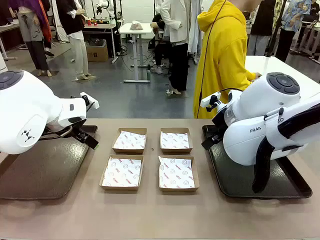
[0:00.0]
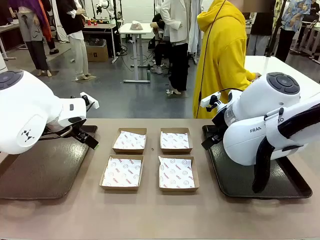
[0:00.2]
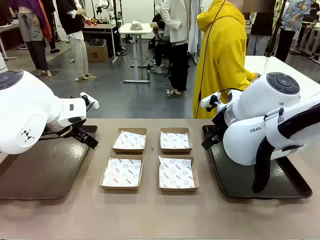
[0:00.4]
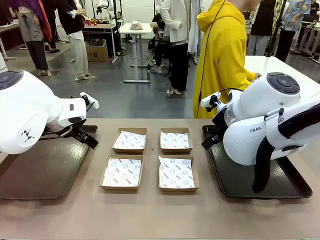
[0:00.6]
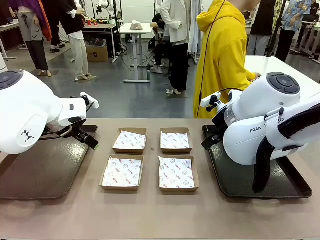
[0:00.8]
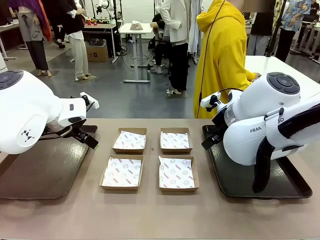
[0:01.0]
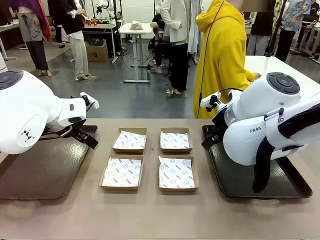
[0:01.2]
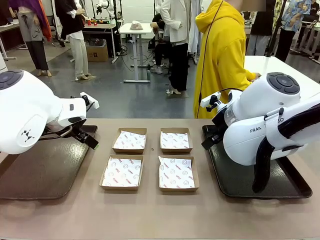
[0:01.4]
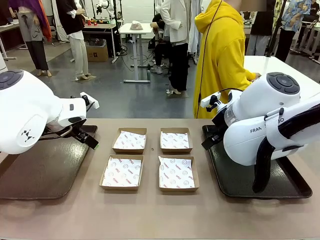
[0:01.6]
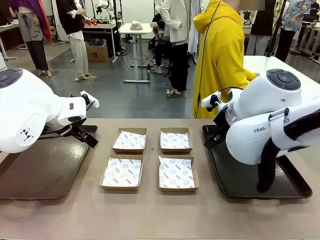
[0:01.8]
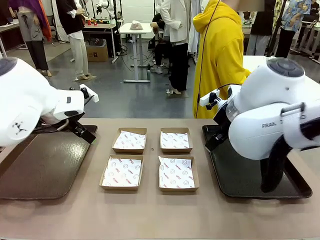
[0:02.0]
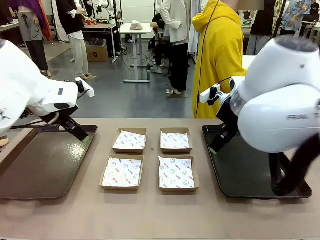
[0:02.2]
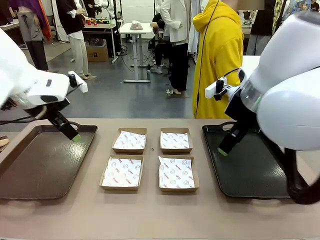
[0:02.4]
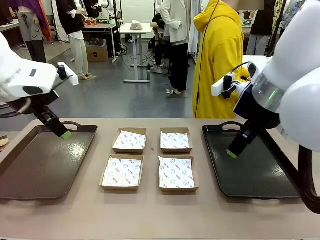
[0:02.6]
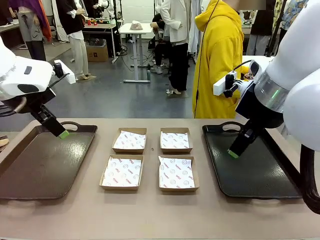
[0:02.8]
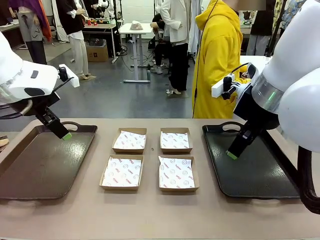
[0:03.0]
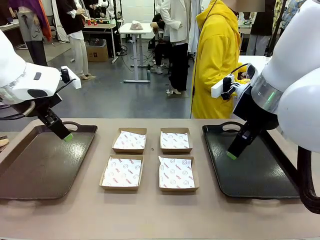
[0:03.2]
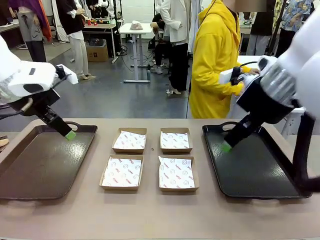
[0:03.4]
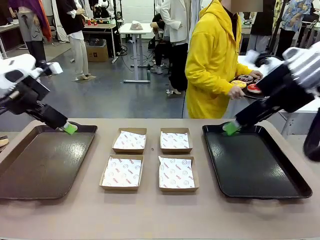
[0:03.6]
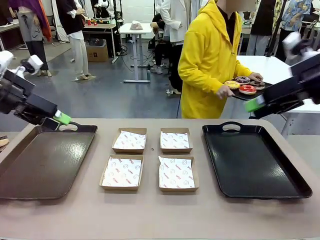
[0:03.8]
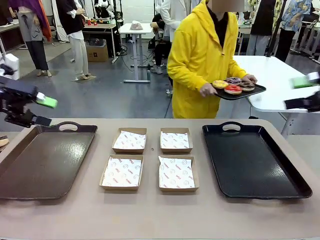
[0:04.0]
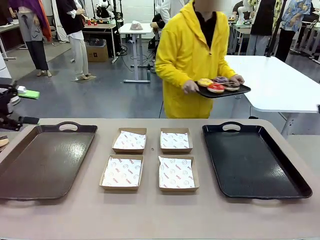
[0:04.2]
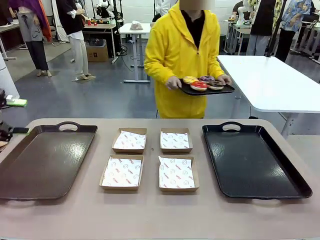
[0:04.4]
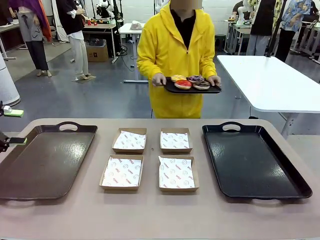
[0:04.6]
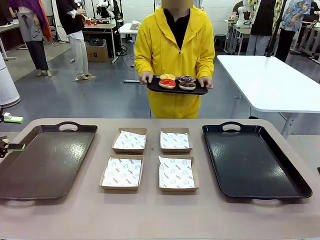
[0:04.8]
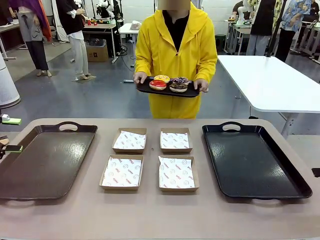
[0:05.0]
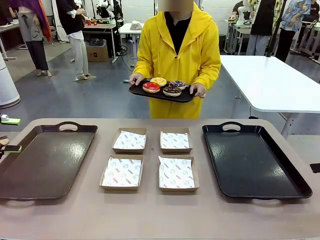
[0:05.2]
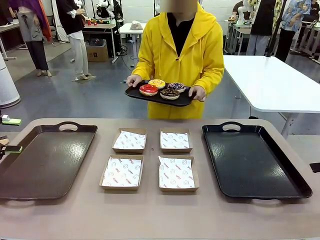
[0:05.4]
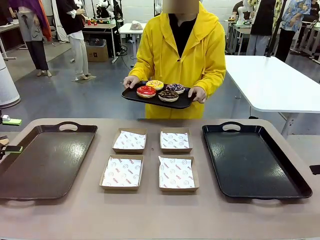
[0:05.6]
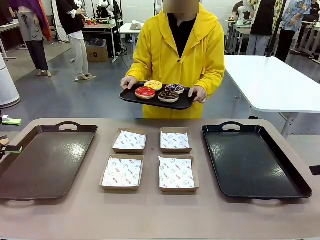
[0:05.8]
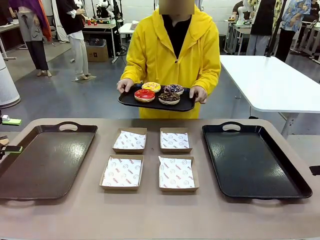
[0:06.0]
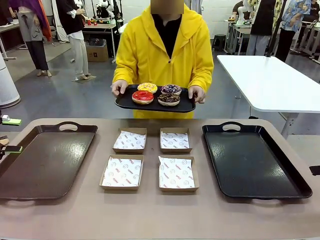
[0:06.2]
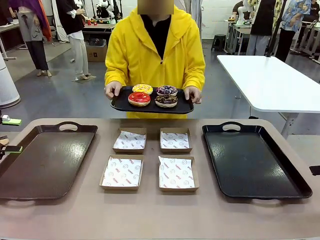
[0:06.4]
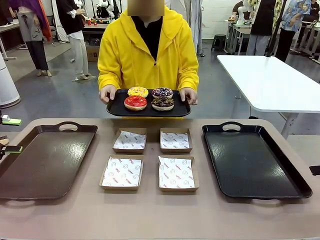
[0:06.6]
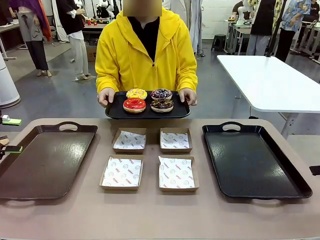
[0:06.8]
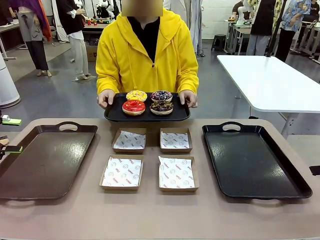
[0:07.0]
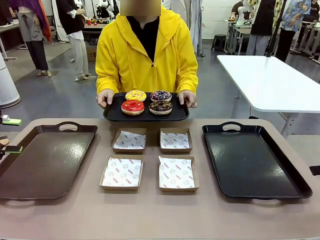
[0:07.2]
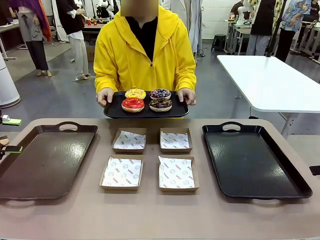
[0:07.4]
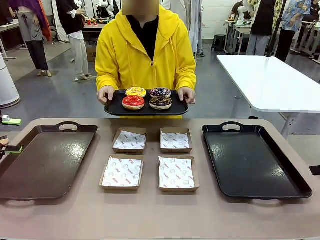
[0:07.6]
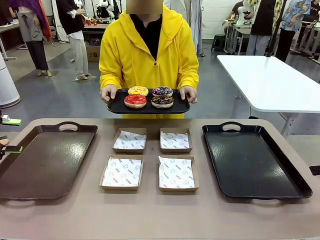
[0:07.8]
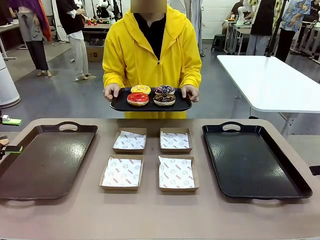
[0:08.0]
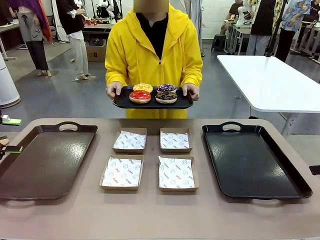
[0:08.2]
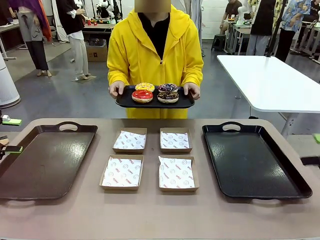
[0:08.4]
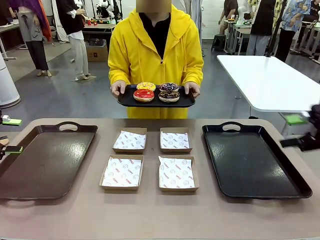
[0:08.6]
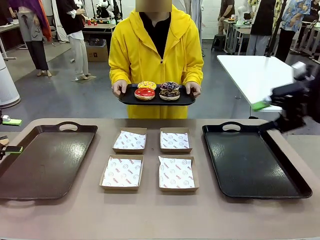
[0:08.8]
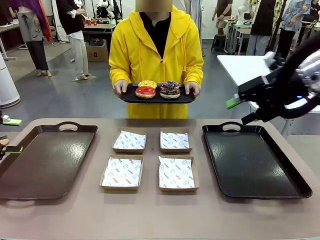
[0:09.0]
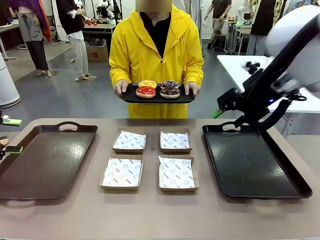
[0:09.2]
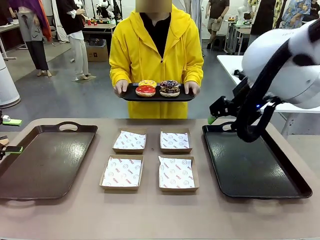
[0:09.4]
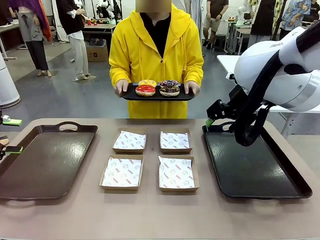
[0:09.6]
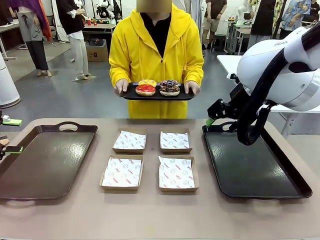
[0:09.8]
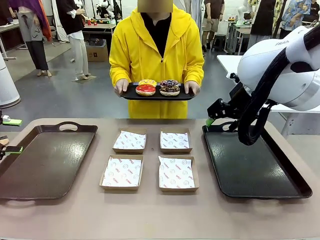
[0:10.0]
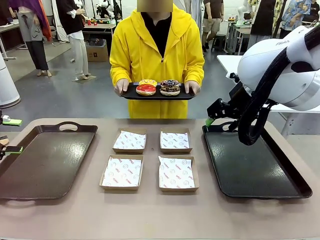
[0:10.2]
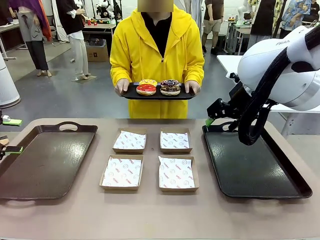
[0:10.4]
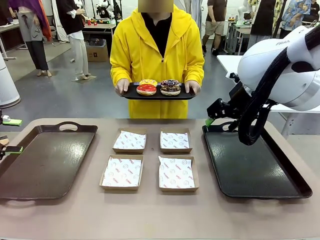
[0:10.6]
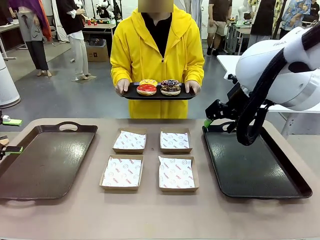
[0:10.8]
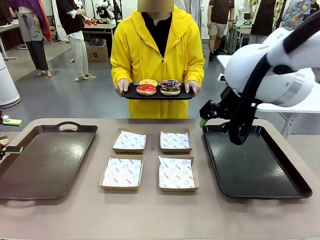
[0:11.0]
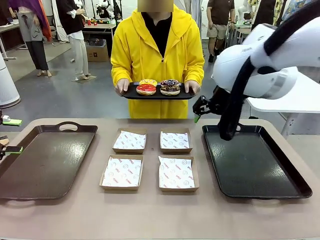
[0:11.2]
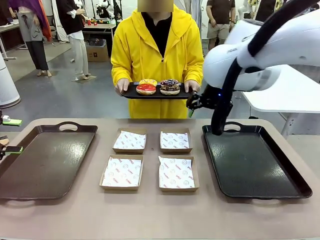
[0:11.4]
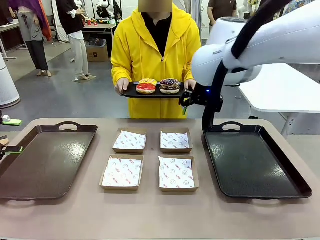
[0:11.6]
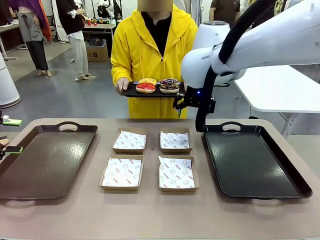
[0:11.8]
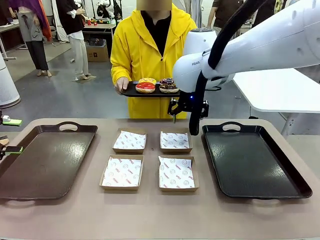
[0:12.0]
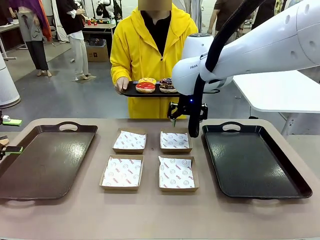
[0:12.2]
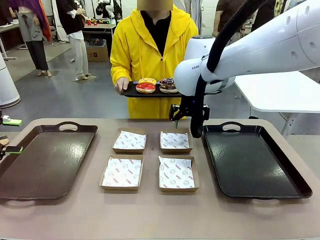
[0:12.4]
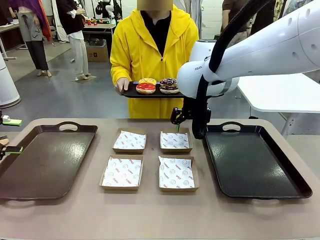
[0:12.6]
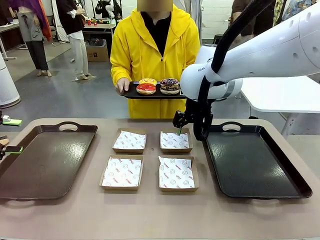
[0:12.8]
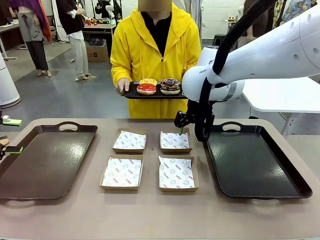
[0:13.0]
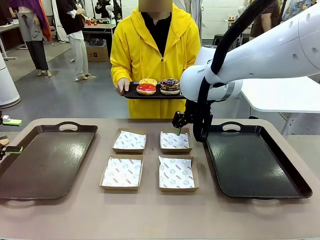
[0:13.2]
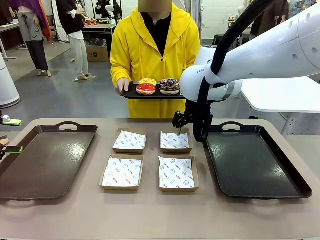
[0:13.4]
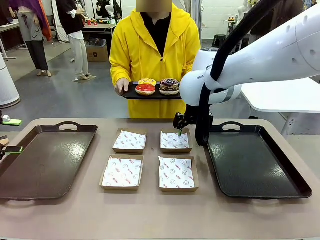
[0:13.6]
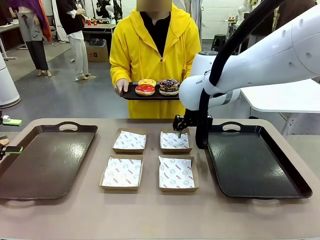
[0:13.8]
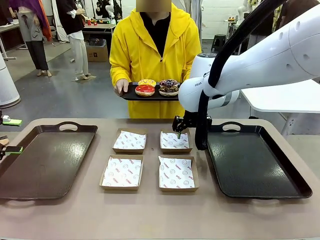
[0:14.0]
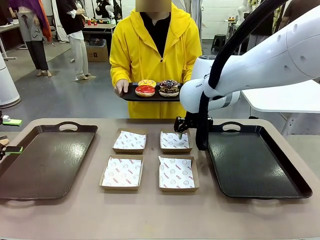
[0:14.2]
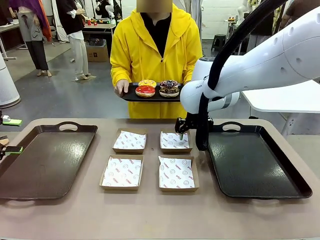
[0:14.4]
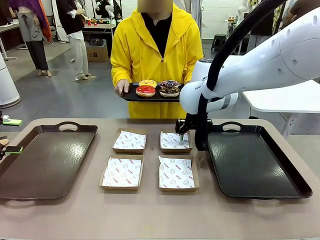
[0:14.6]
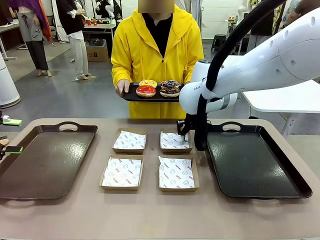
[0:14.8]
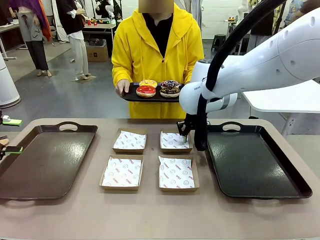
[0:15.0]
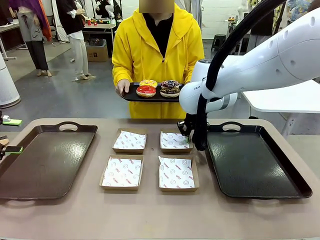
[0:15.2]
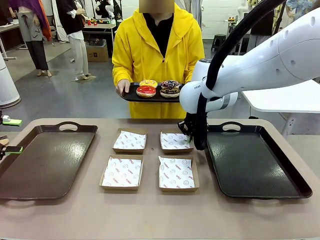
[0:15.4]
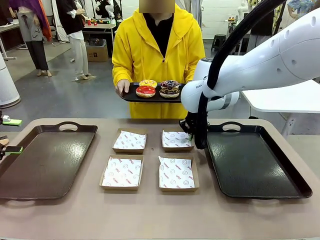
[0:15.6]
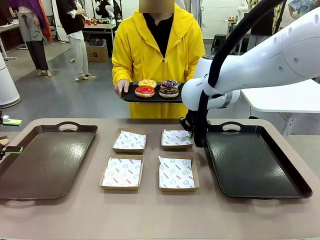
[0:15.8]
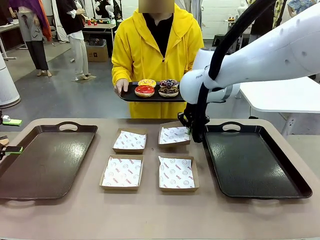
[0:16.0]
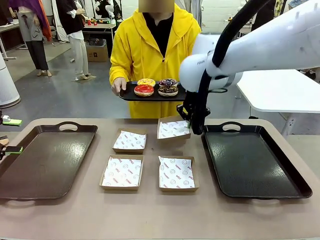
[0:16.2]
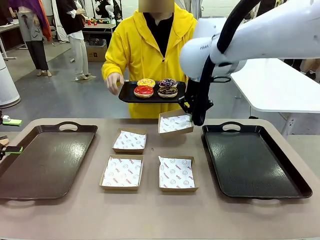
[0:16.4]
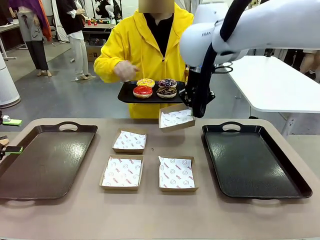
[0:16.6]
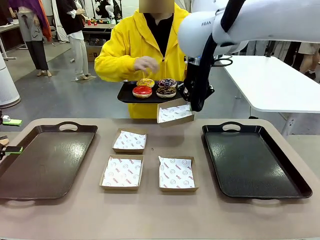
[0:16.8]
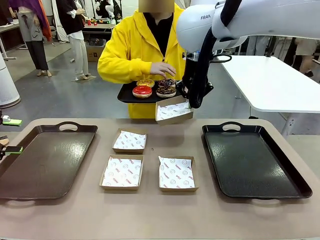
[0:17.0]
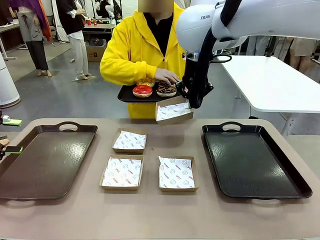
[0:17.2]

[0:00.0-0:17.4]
Task: Individually package the donuts and arrange them on the tray.
Robot: Pick up one Paper togo box.
Person: Stand in front of the robot table holding the tray containing the donuts.
